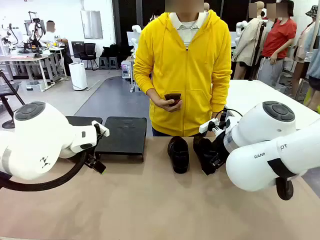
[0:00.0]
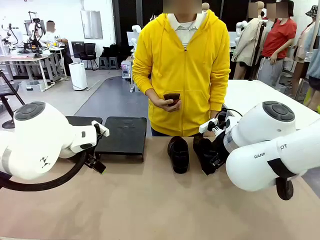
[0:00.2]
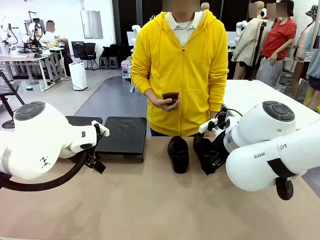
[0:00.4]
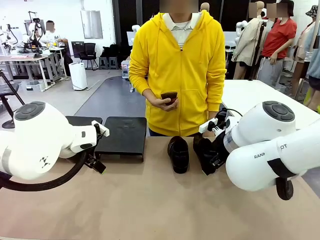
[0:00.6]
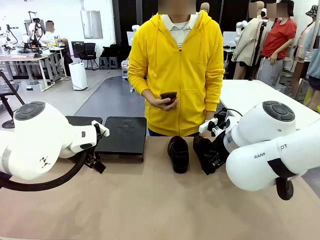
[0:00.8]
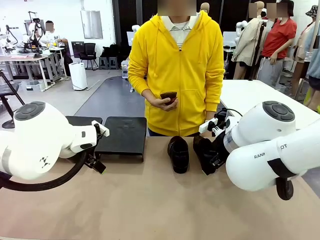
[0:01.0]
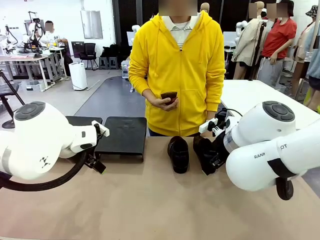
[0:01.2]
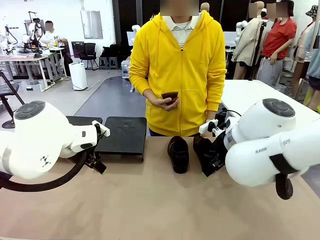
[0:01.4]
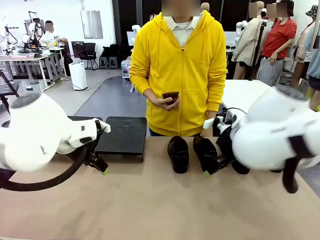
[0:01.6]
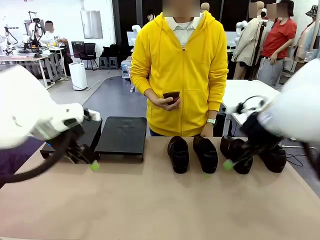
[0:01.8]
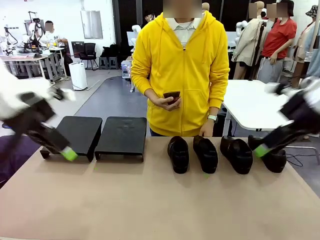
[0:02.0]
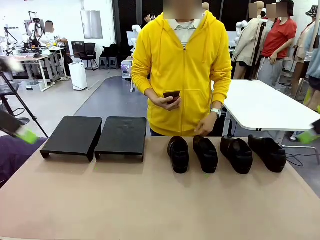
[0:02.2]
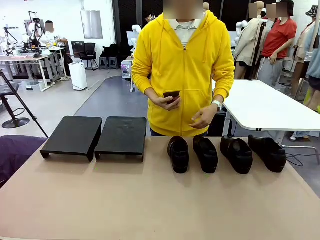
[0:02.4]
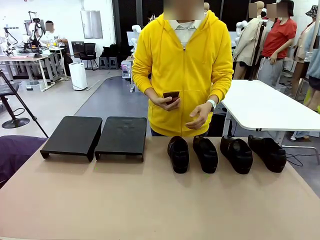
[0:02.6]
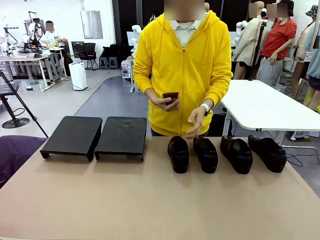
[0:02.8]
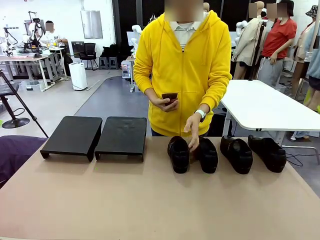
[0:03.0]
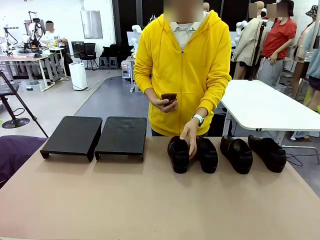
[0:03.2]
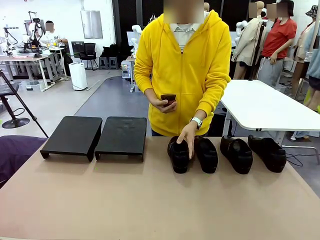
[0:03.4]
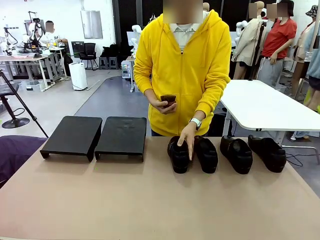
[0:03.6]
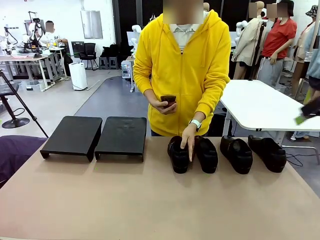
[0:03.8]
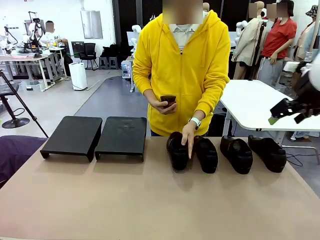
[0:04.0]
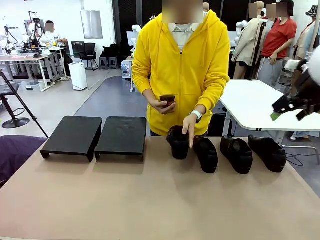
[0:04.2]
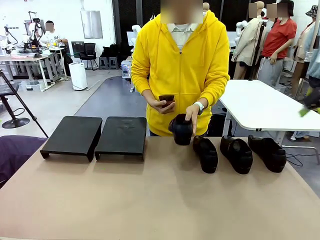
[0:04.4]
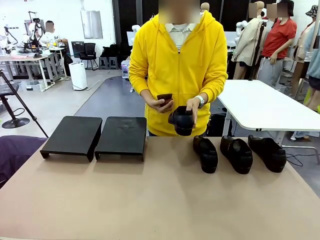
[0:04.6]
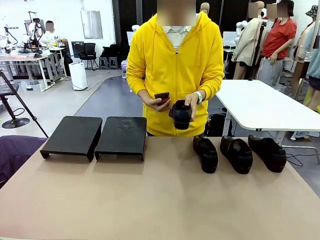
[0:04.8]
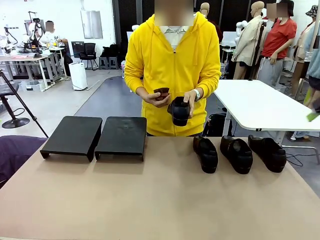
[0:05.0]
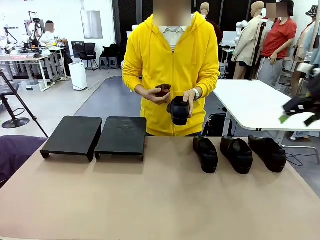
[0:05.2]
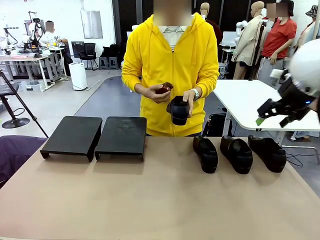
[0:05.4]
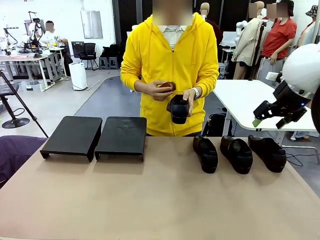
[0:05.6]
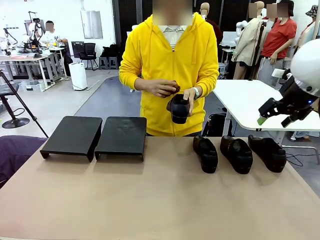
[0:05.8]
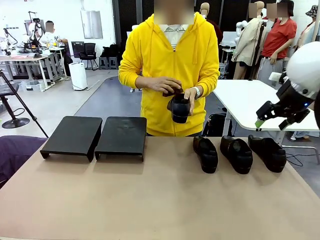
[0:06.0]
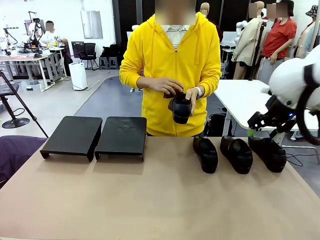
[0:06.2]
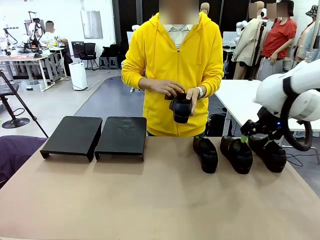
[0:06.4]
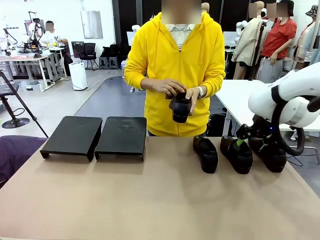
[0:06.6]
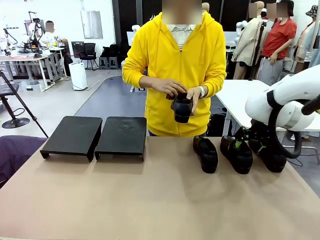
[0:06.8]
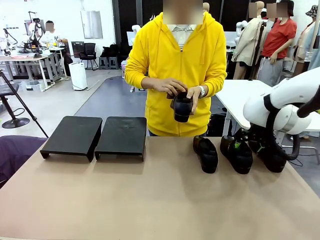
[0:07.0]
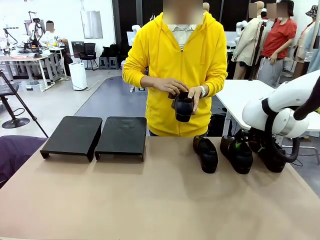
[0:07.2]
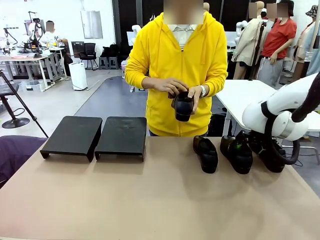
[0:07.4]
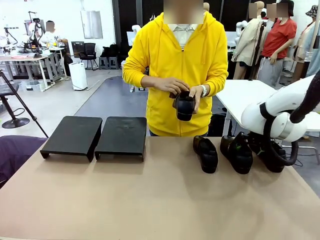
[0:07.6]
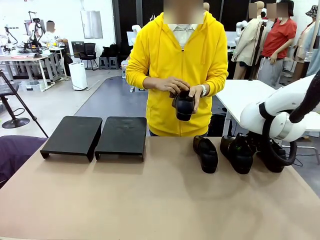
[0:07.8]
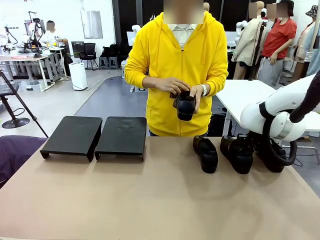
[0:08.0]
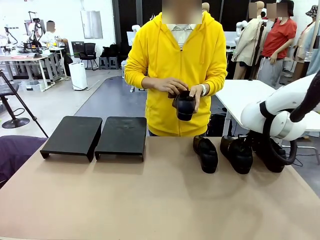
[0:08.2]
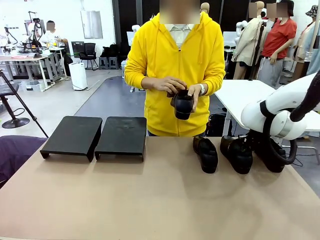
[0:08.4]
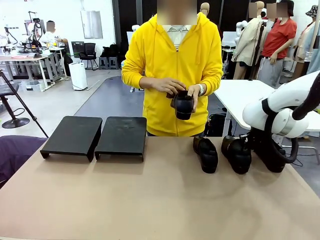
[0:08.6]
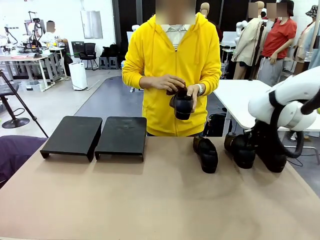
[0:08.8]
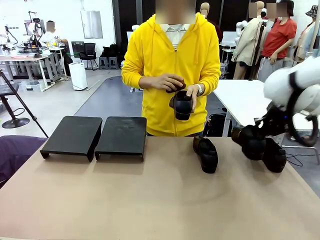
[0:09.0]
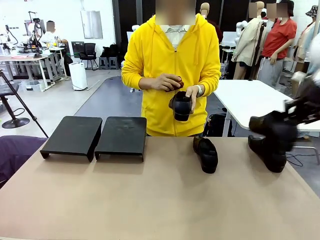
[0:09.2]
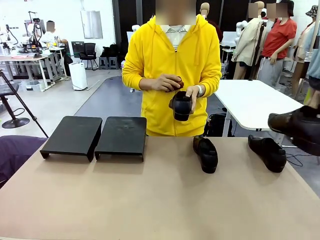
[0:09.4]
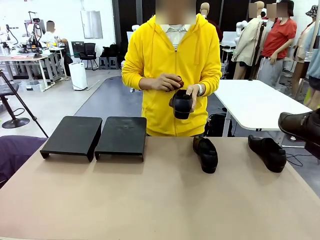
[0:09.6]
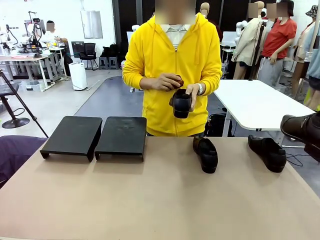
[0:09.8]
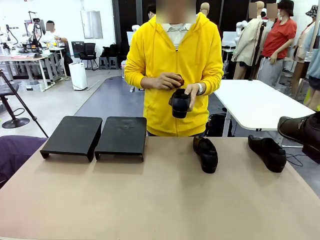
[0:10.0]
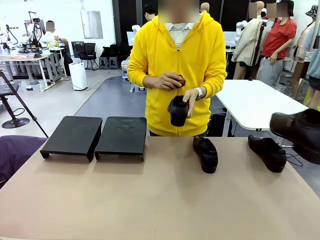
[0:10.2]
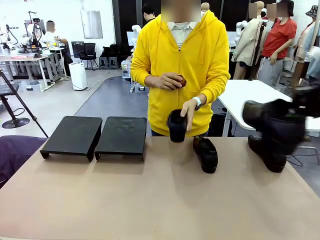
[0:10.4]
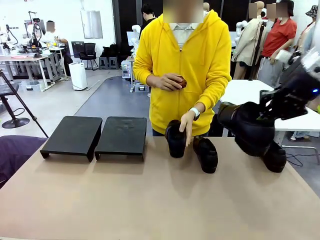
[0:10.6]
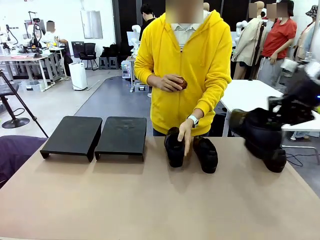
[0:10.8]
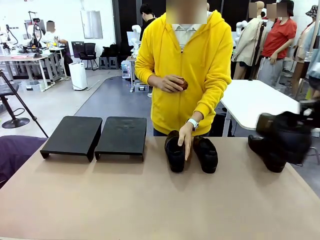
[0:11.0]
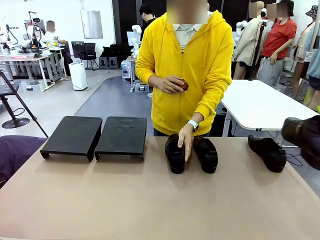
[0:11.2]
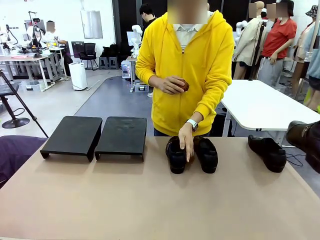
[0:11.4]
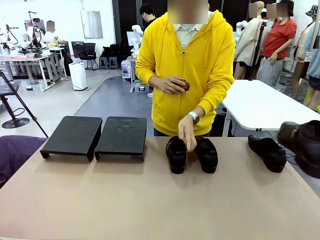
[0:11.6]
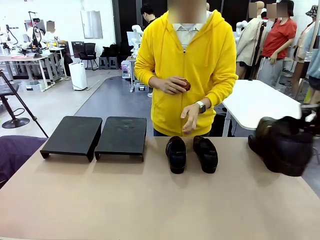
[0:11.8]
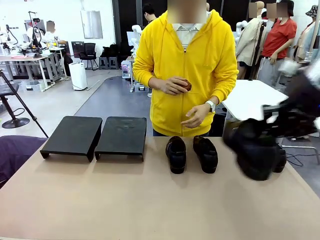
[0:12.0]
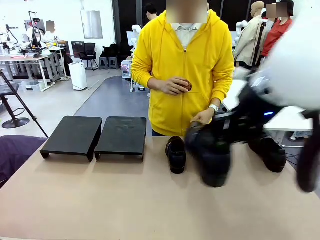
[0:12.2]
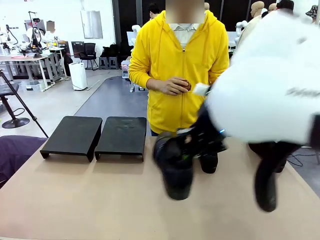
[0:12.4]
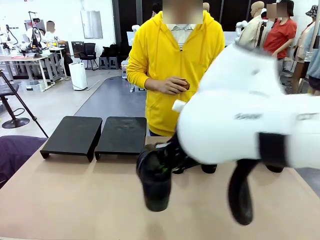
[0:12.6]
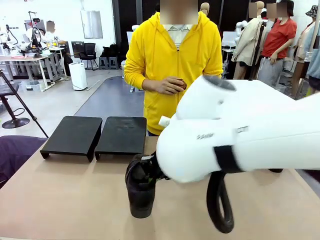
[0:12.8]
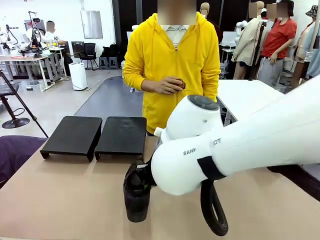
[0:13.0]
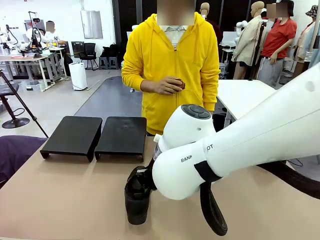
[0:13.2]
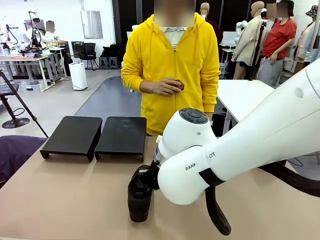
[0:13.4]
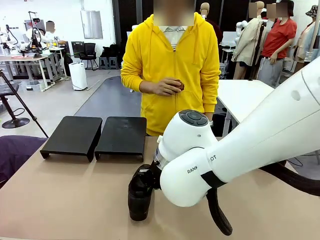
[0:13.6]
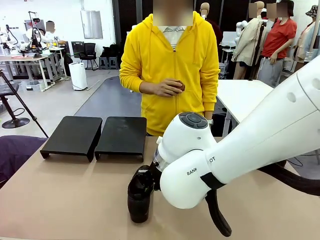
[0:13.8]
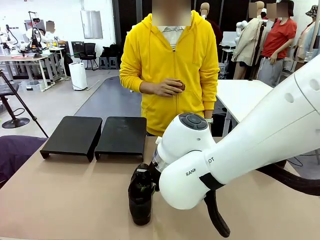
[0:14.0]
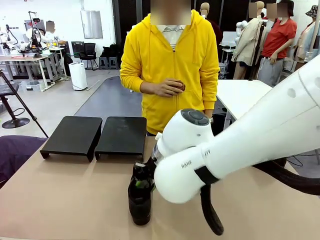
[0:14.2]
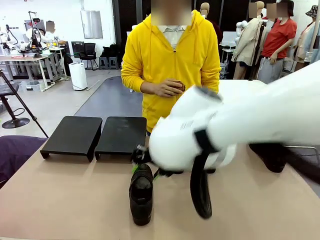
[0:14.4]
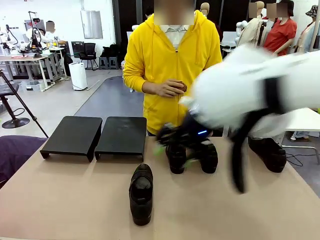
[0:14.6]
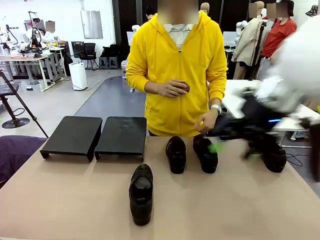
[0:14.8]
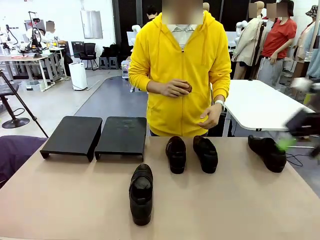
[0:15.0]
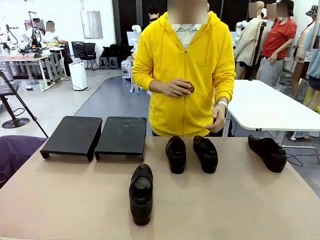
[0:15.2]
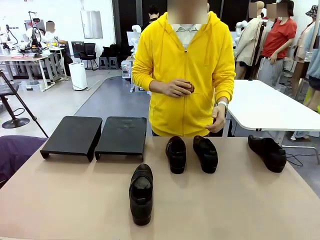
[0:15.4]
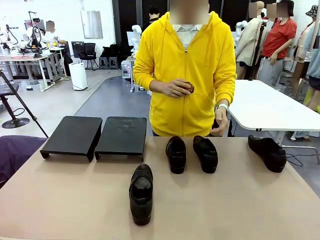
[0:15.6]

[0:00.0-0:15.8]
Task: Organize the shoes by placing them on the stand.
Robot: Pick up one Shoe and place it in the middle of the table.
Person: Pick one Shoe on Robot's table. Clean the Shoe with the Shoe Brush. Place the Shoe on left side of the Robot's table.
